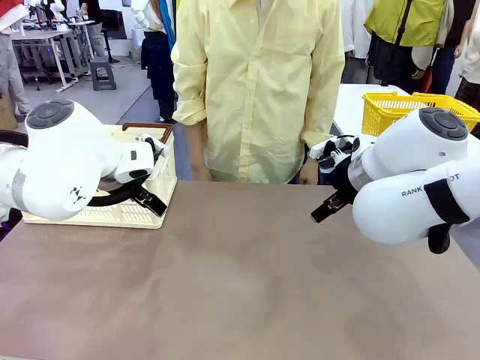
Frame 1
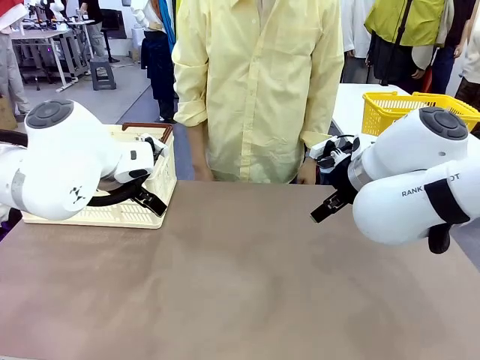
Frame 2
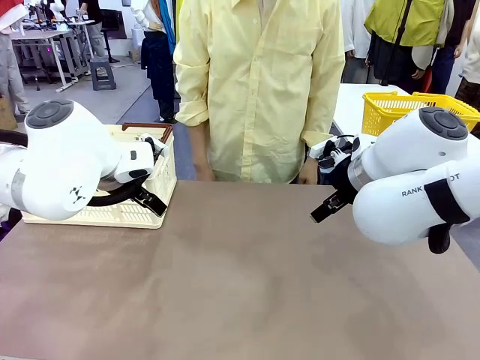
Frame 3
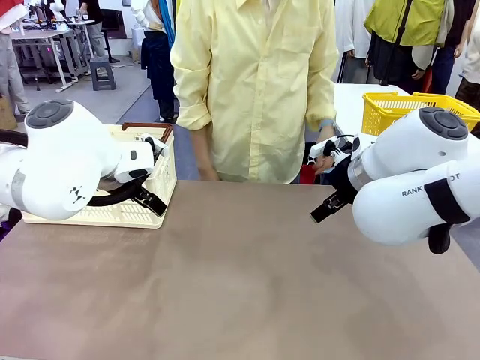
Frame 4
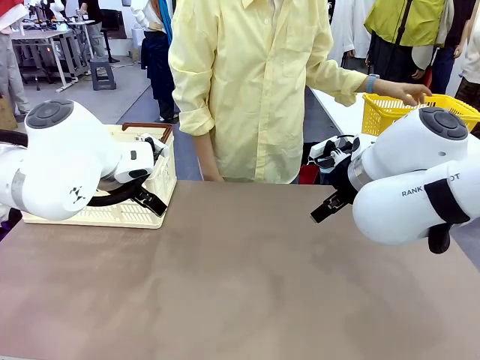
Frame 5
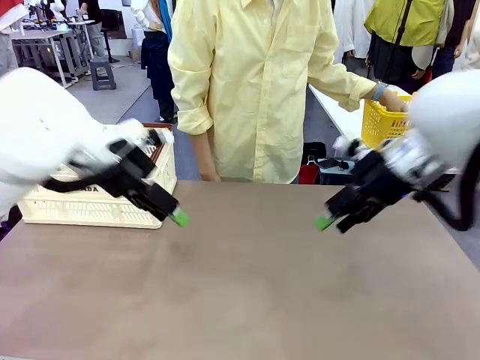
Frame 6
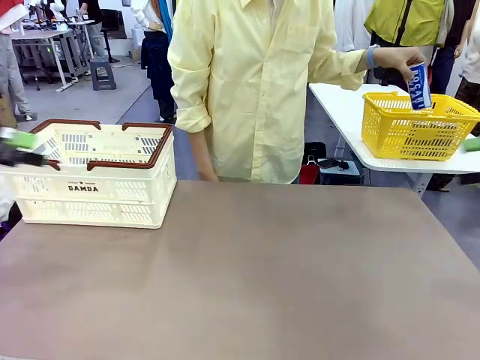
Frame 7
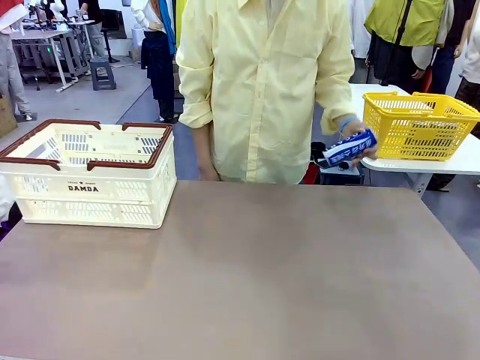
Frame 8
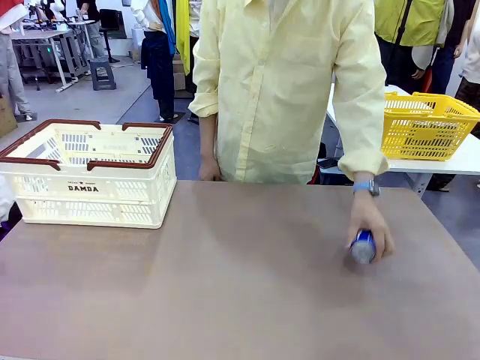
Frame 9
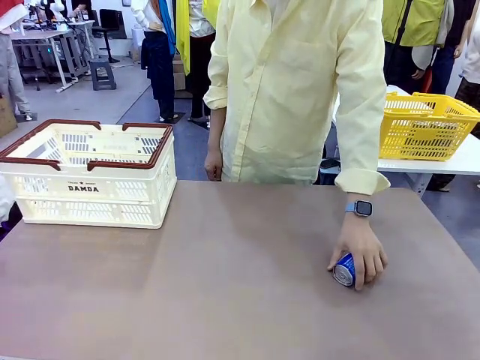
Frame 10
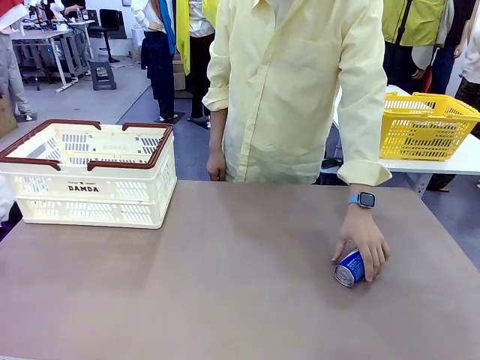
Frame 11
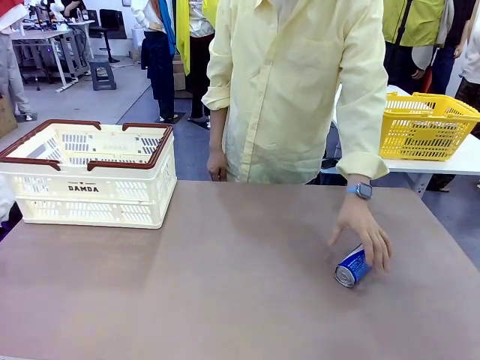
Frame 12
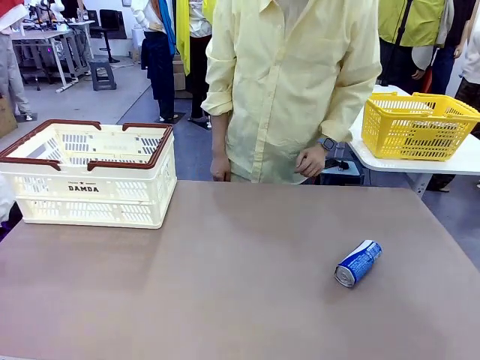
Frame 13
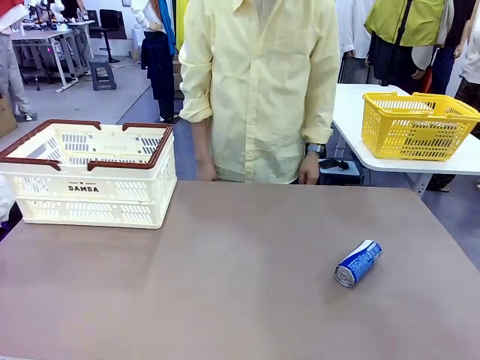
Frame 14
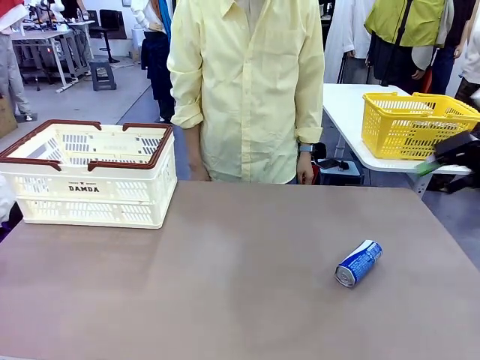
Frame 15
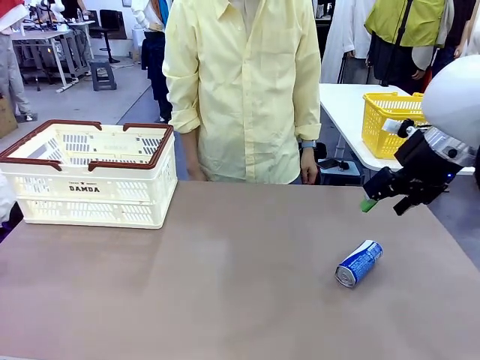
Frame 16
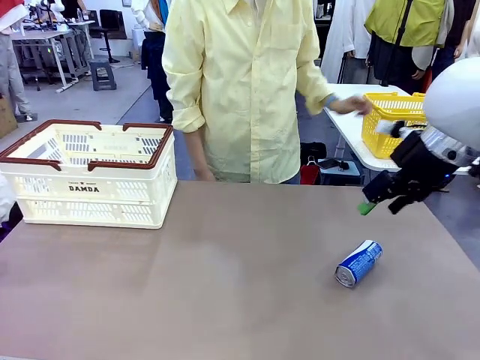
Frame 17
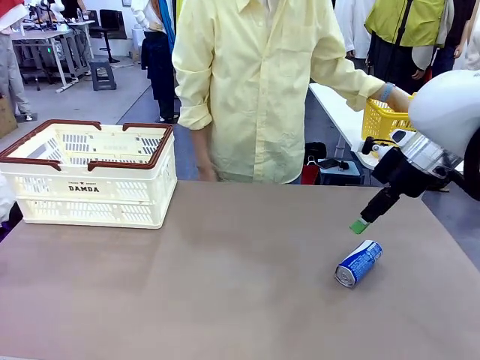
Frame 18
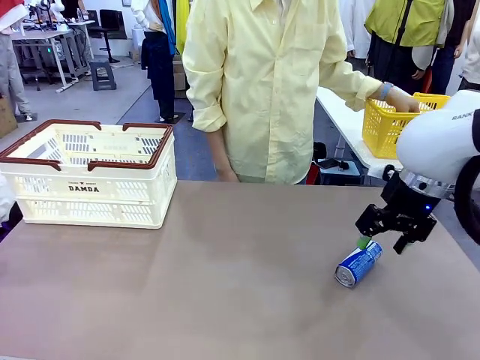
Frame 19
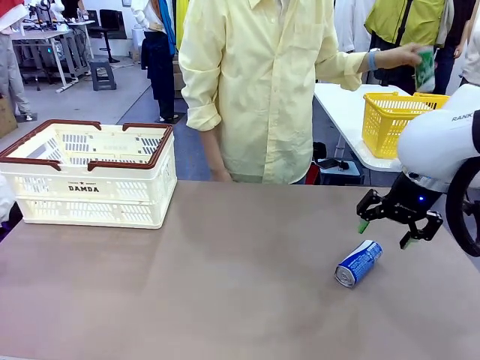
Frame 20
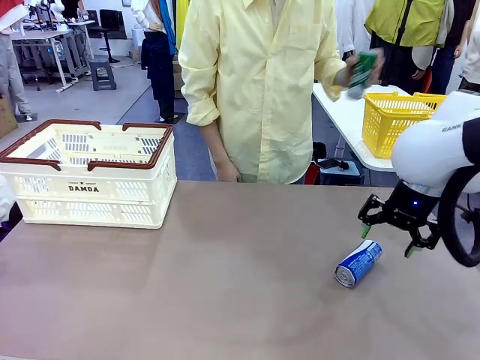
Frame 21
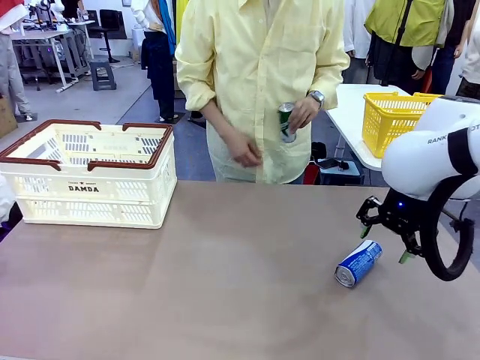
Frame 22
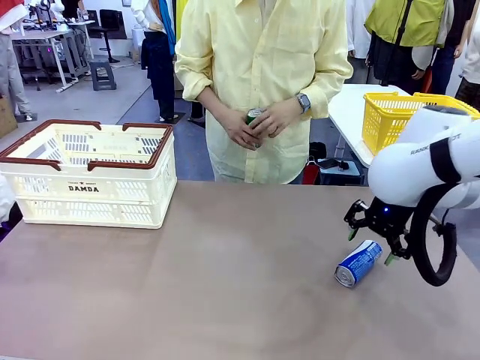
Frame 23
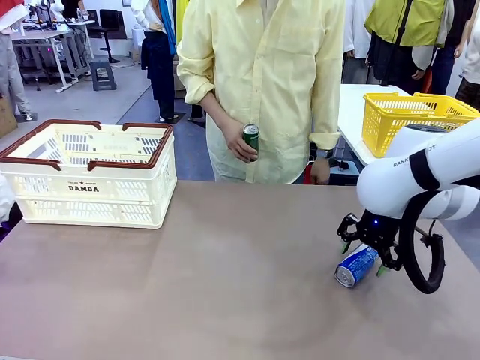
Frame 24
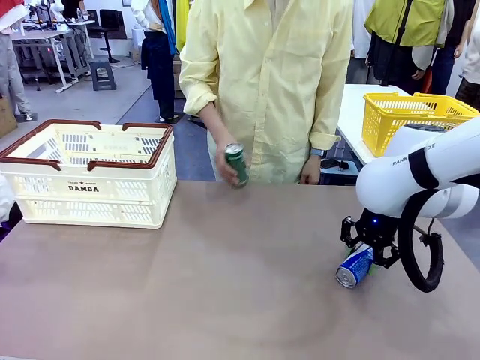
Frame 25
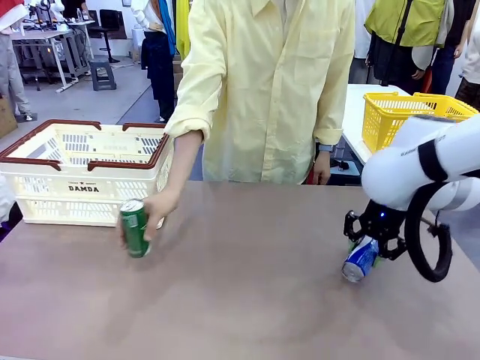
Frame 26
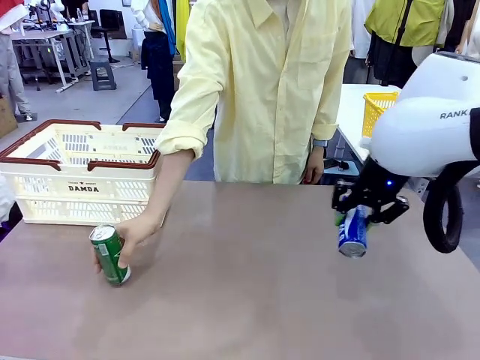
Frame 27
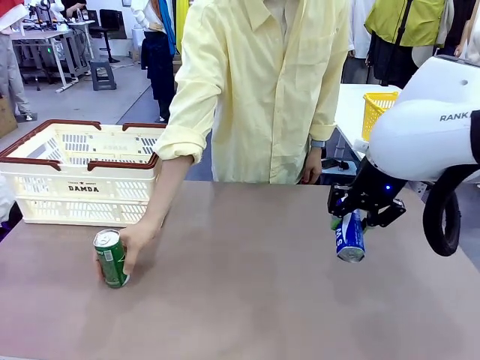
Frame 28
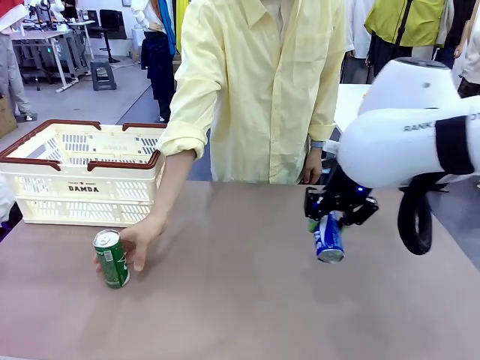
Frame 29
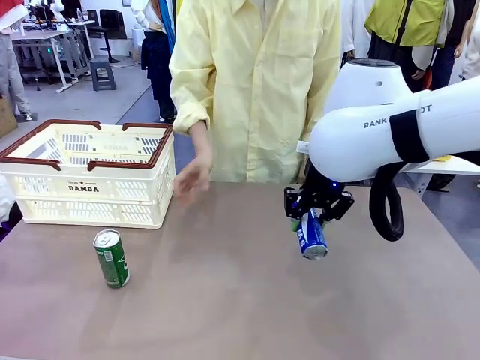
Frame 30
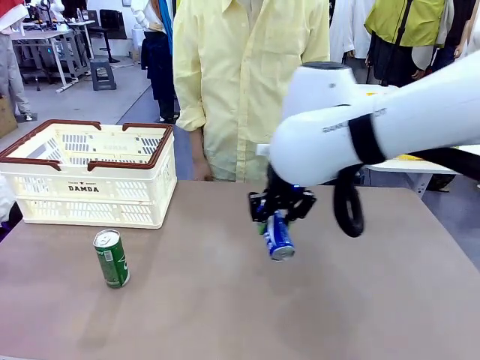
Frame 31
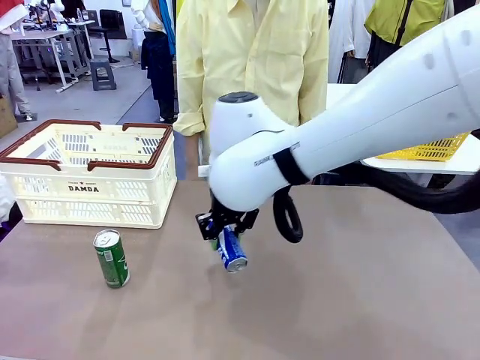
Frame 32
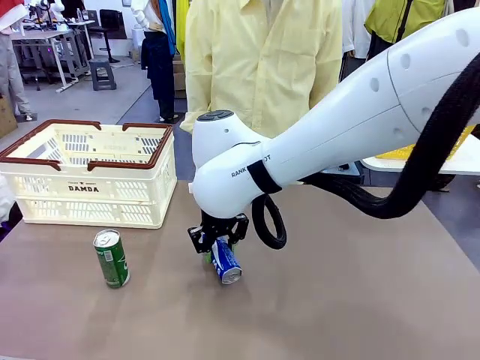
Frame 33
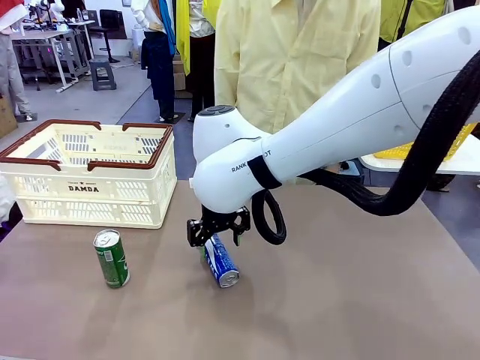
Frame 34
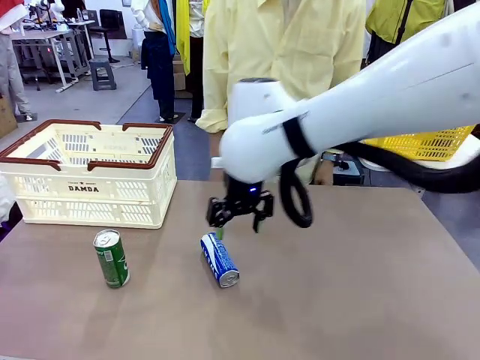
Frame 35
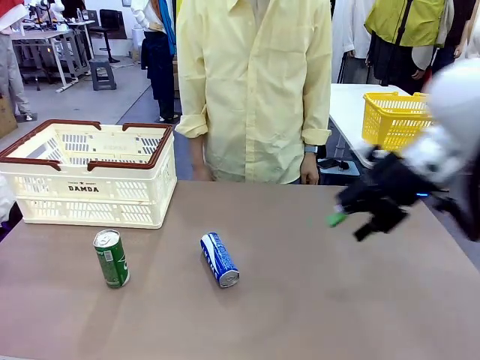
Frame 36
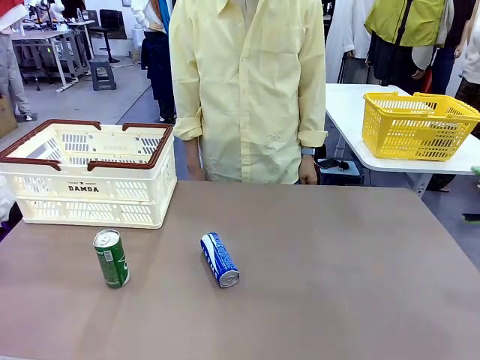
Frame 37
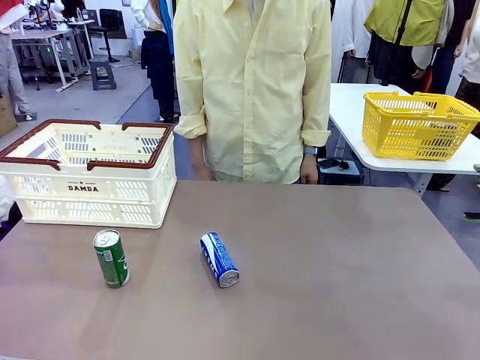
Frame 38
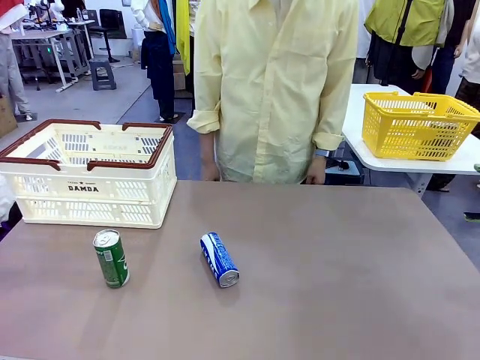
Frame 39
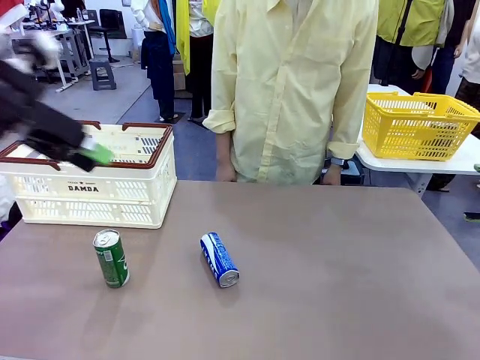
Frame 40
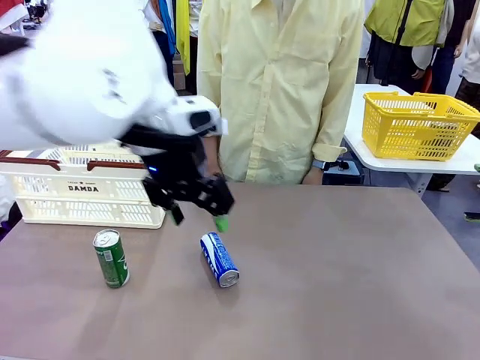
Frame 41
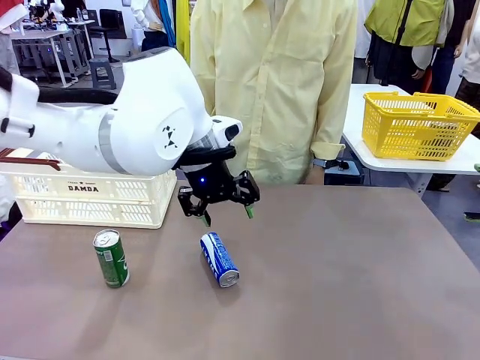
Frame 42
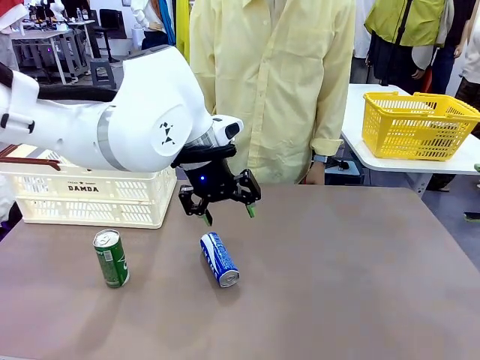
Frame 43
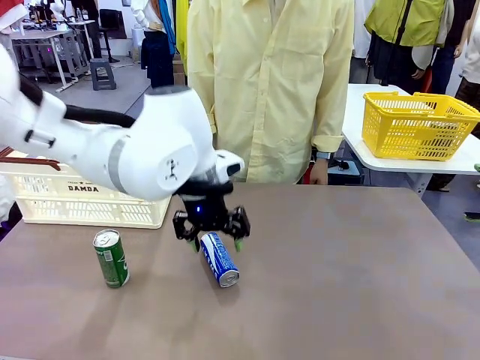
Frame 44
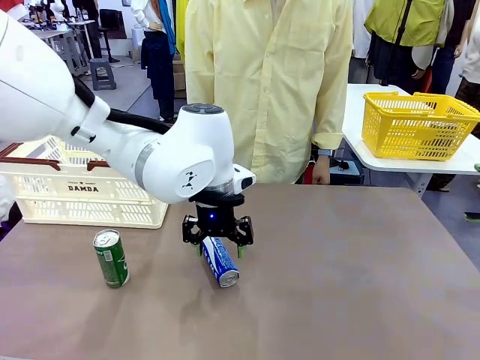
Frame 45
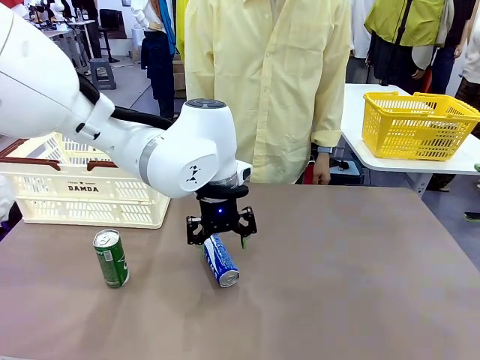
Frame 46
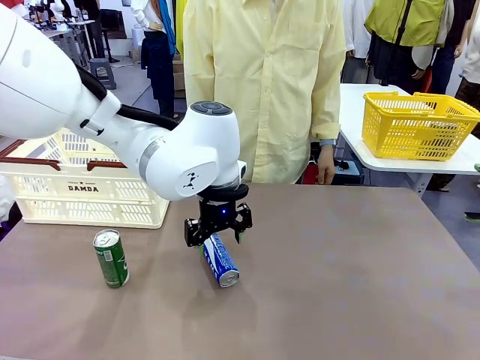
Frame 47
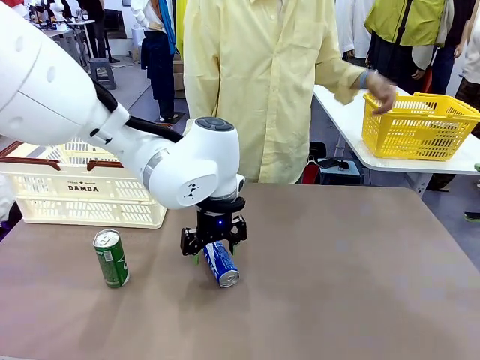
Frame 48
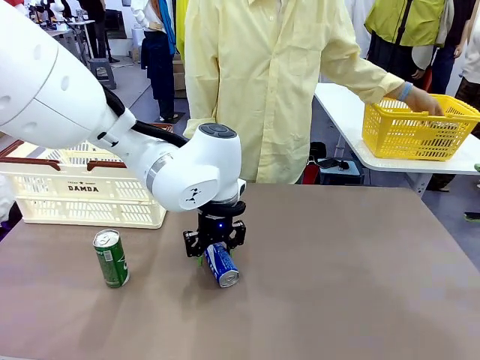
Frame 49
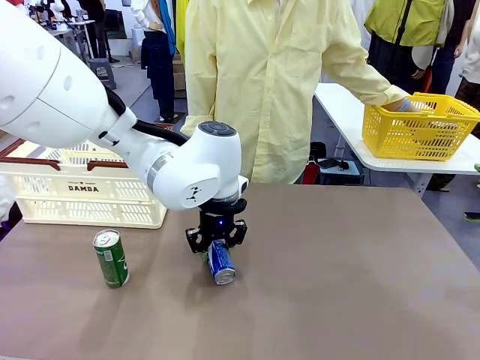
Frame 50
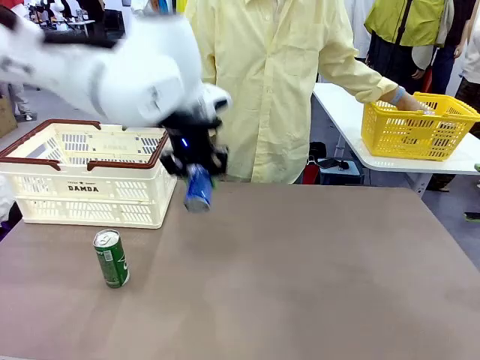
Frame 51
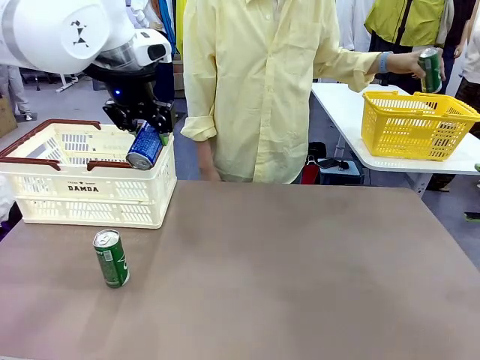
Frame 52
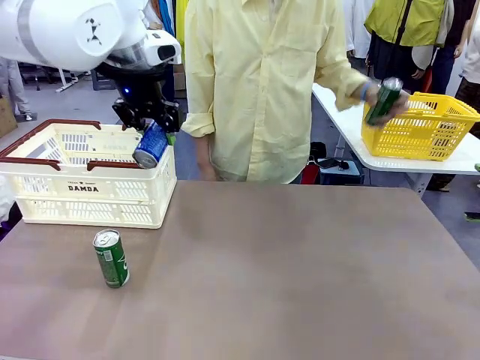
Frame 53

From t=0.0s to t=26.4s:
Task: Place the drinks into the Shopping basket.
Robot: Pick up one drink and place it into the Shopping basket.
